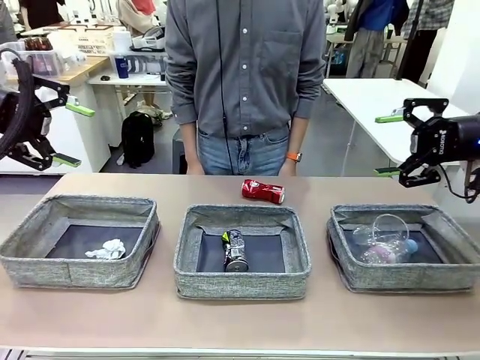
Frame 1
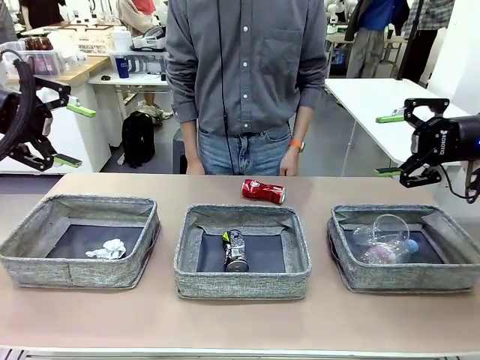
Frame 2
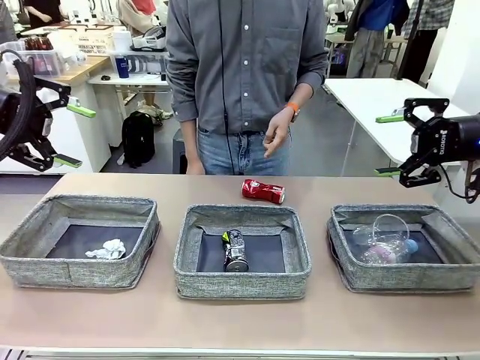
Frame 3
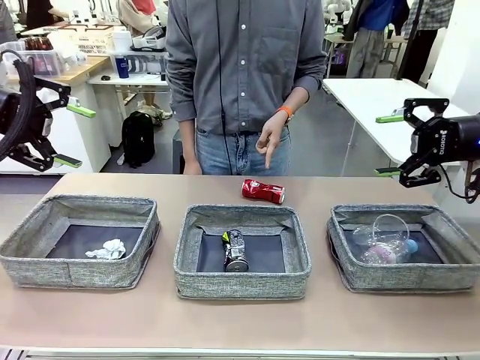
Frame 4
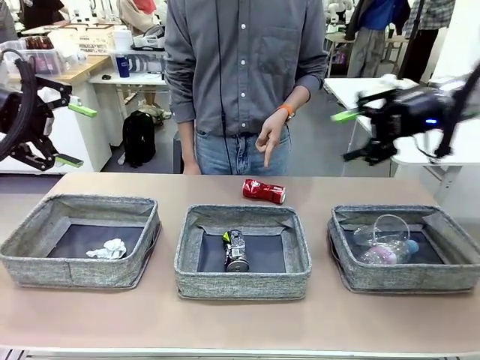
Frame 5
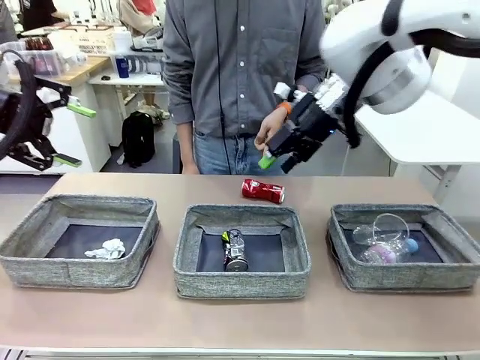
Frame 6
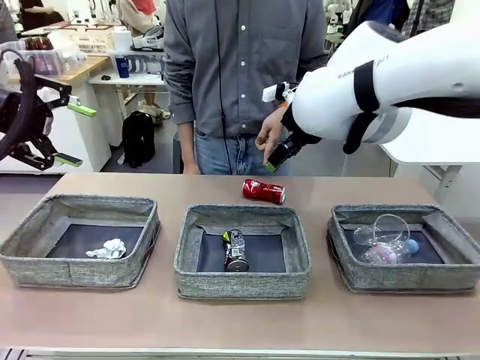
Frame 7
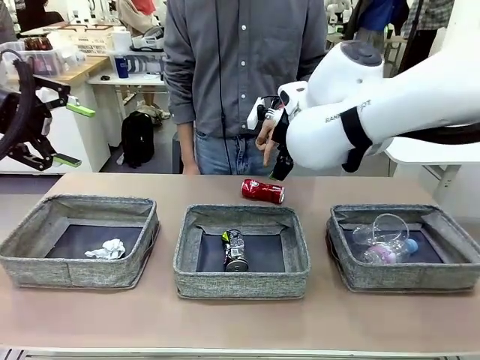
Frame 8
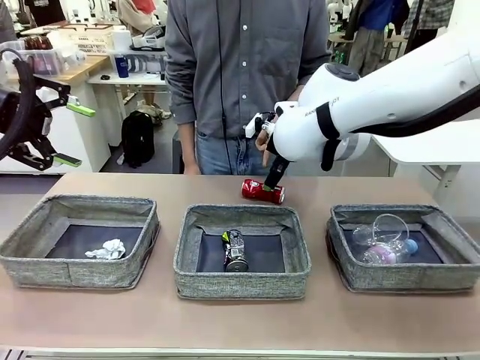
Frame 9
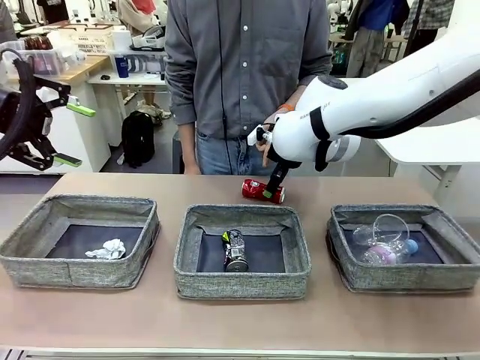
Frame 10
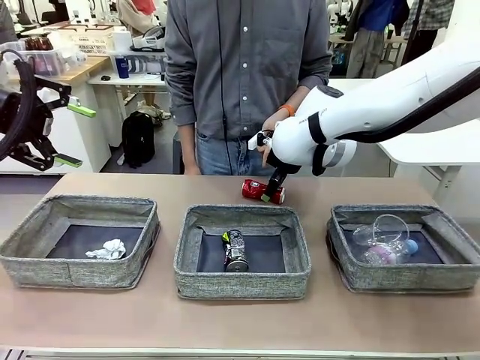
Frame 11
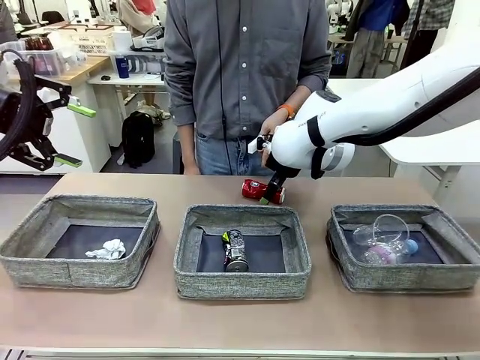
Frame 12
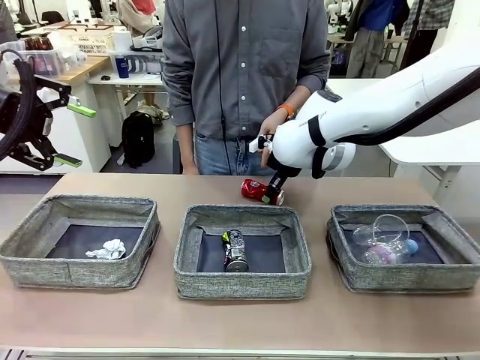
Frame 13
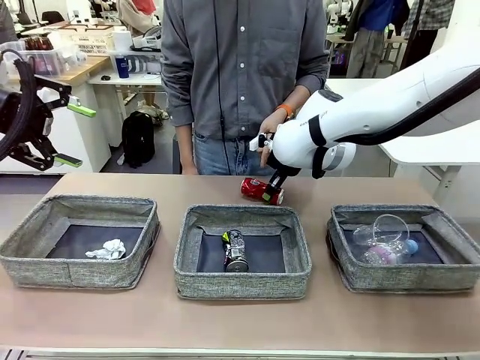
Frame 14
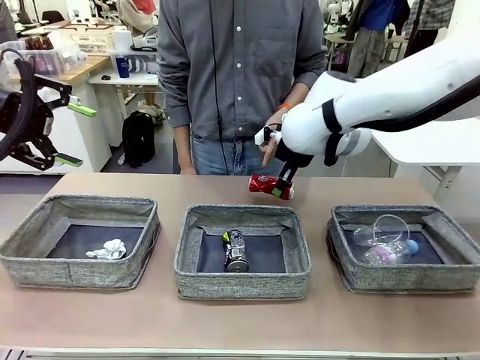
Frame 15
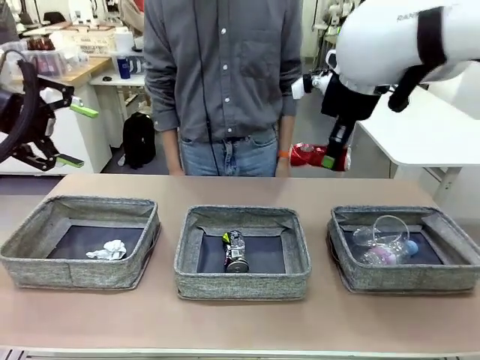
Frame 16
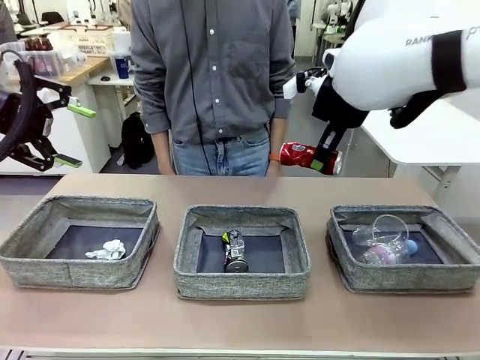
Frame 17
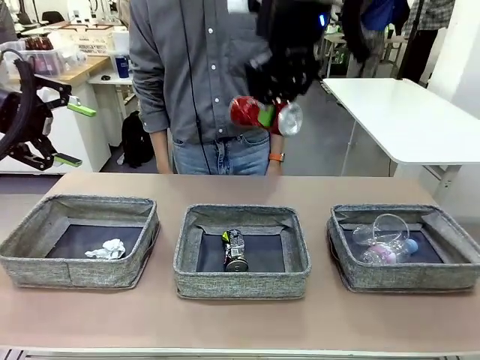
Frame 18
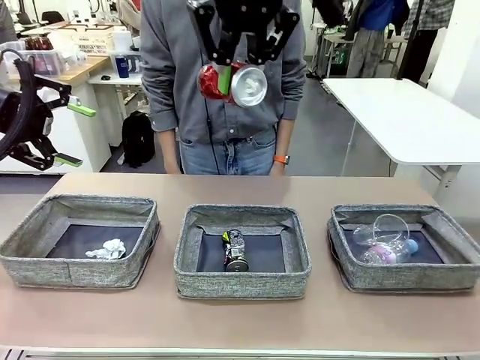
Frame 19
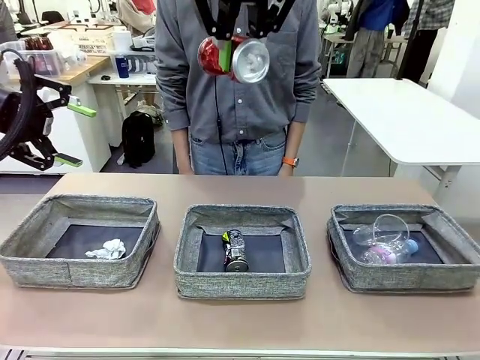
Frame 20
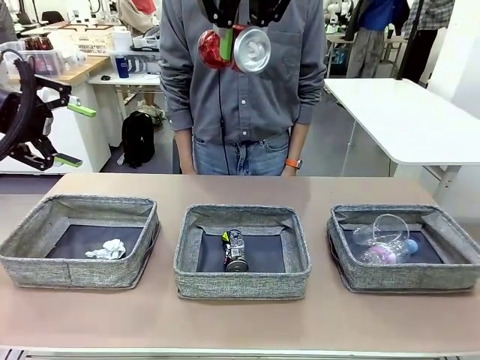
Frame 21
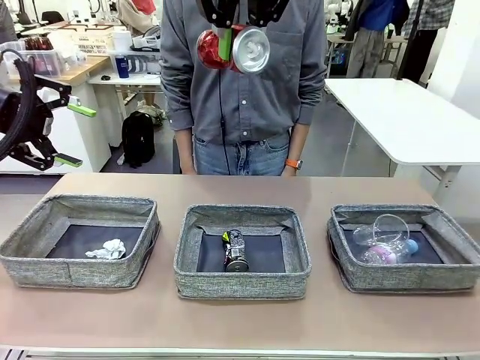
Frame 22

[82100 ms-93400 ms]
Task: Sort the waste into the appropriate baskets.
Robot: Pick up the waste item pointed out by the person.
Person: Points to one piece of trash on the table.

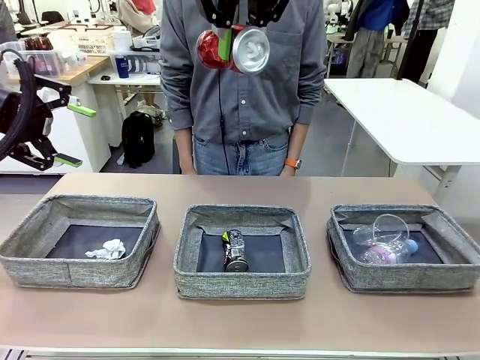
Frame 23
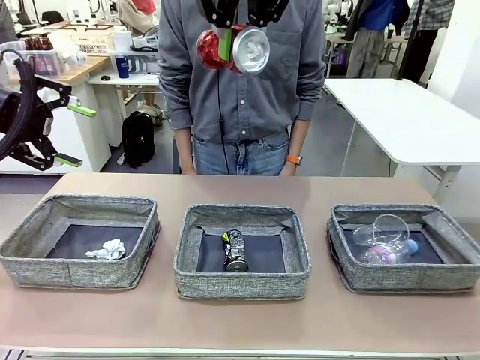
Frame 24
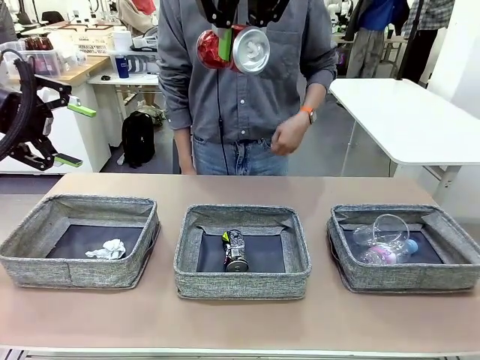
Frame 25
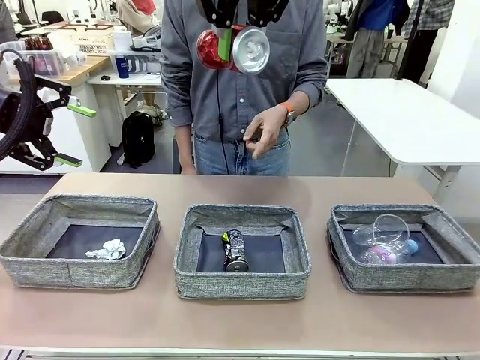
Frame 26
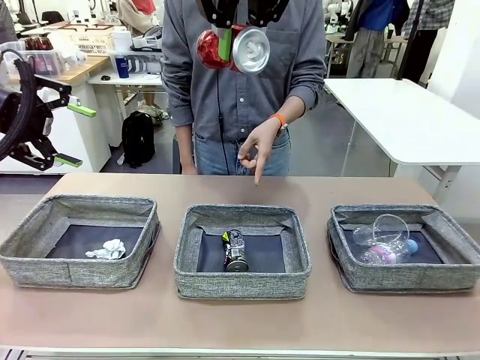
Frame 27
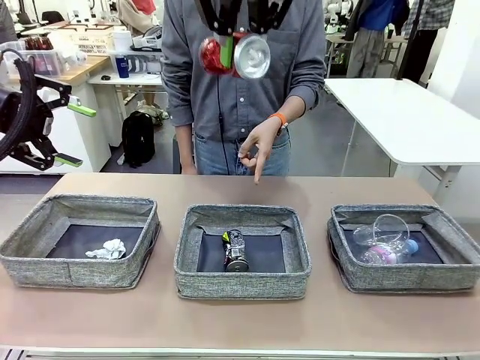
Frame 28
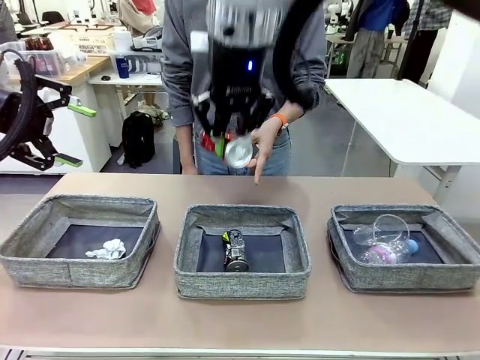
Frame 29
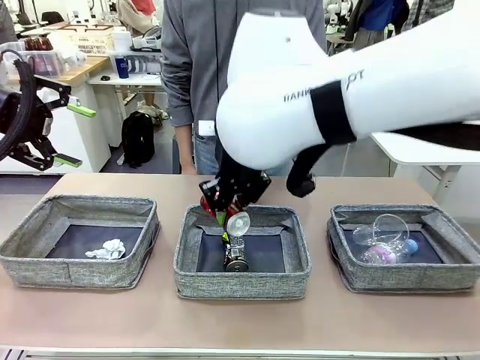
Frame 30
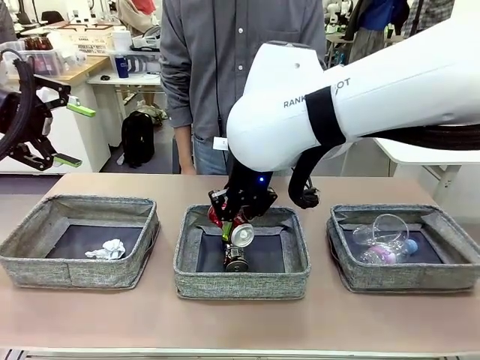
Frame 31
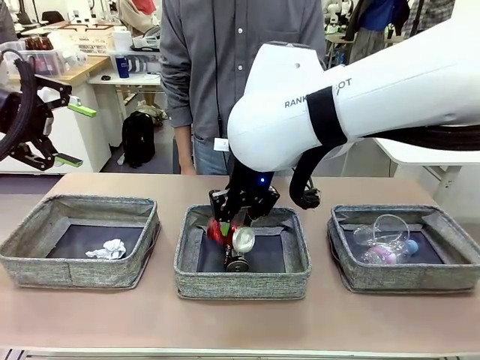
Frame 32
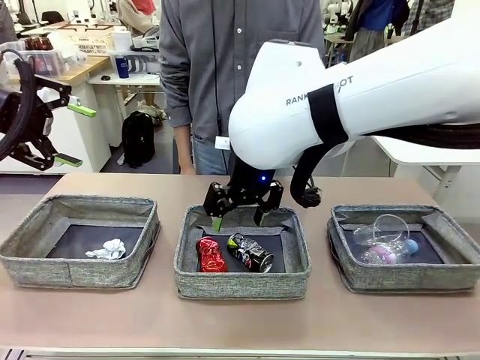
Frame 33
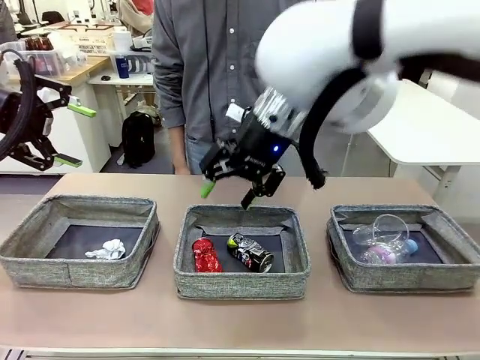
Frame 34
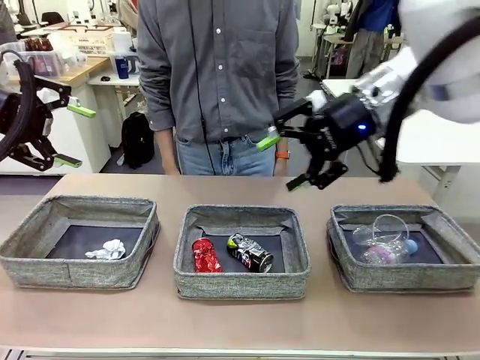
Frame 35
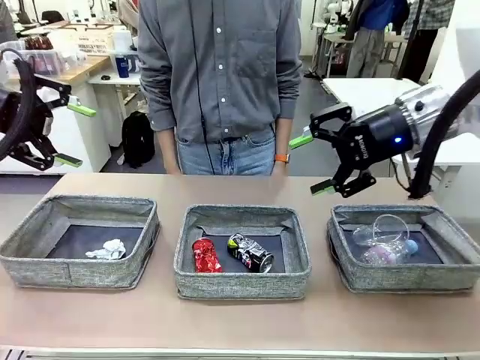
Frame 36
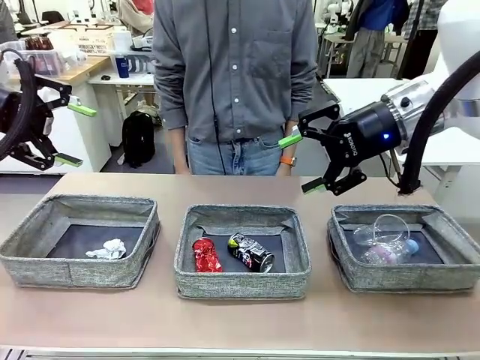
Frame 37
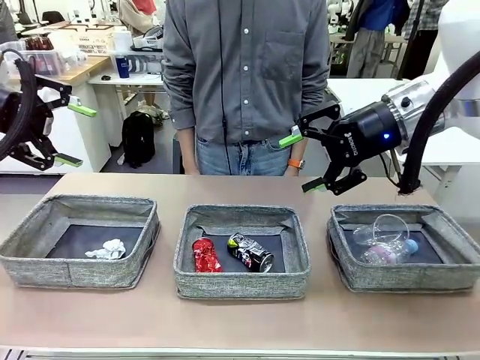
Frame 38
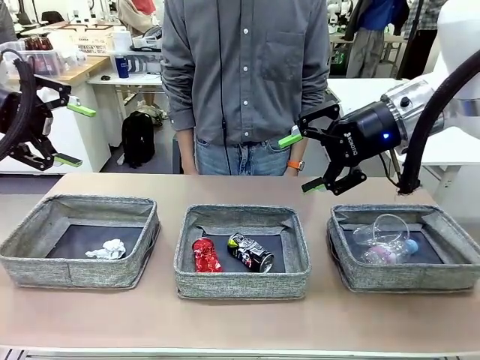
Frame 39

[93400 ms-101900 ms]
Robot: Place the picked waste into the Fabric basket indicated by the person.
Person: Instructs the robot to place the picked-up trash into the appropriate organizing basket.
